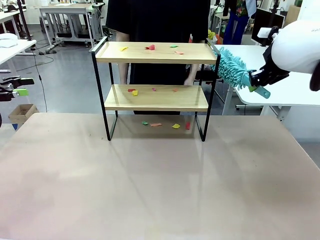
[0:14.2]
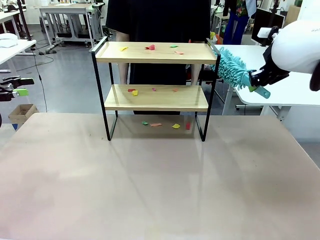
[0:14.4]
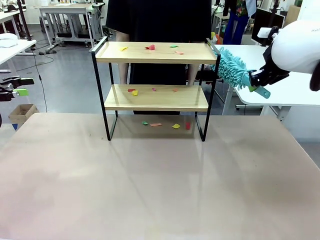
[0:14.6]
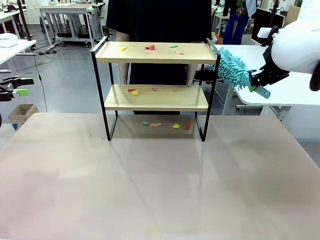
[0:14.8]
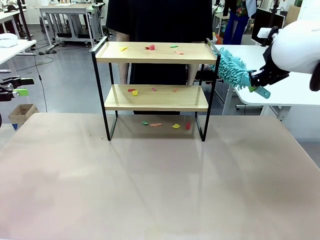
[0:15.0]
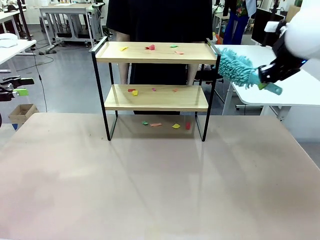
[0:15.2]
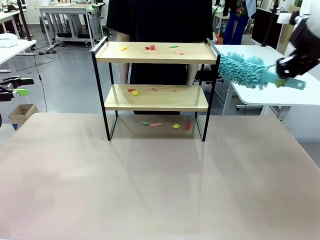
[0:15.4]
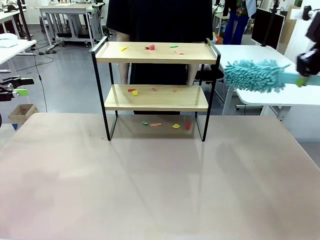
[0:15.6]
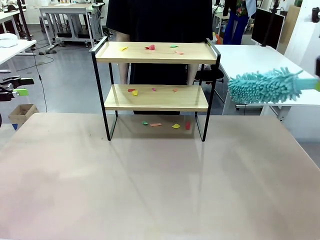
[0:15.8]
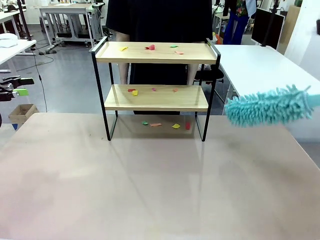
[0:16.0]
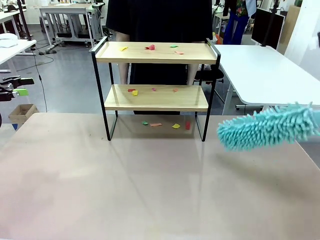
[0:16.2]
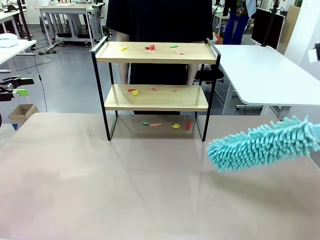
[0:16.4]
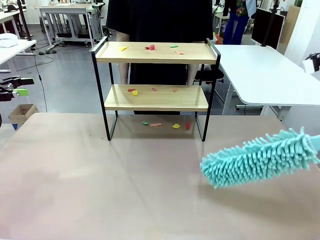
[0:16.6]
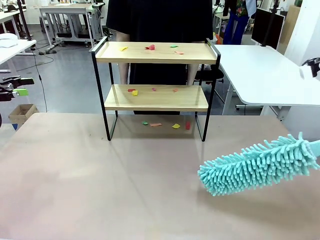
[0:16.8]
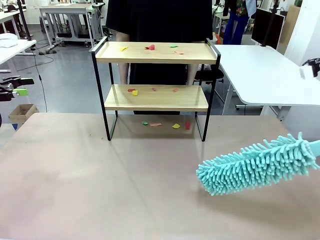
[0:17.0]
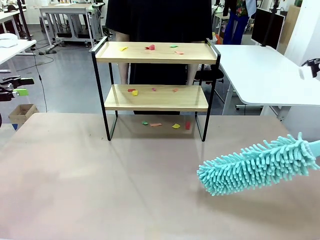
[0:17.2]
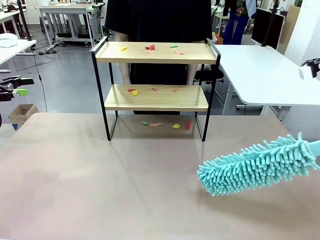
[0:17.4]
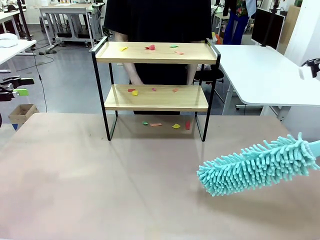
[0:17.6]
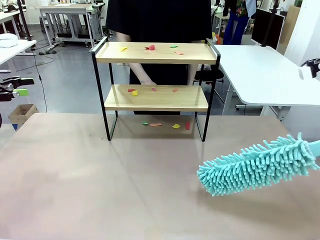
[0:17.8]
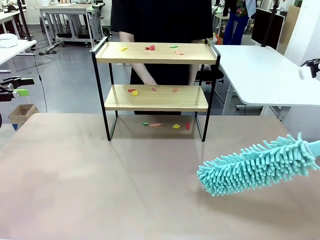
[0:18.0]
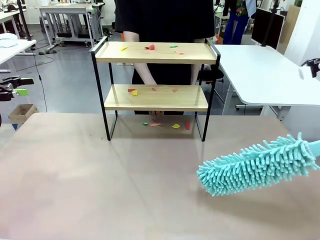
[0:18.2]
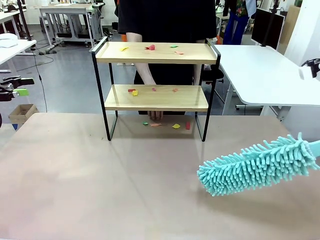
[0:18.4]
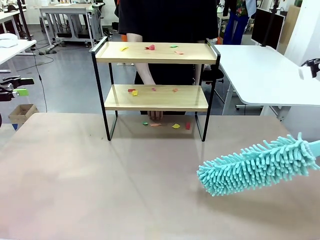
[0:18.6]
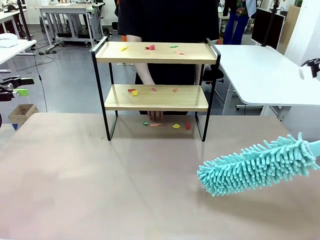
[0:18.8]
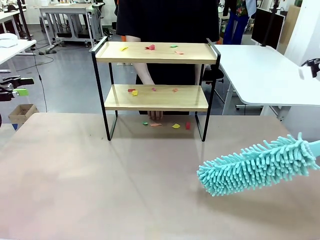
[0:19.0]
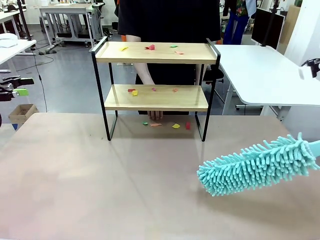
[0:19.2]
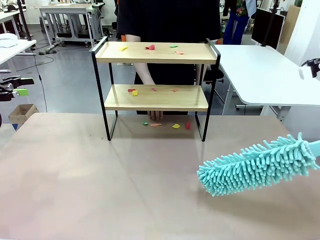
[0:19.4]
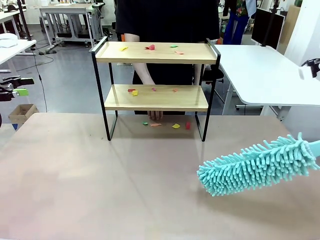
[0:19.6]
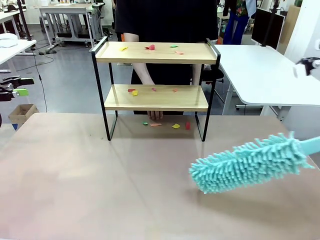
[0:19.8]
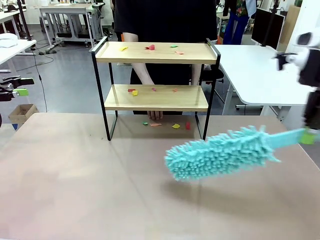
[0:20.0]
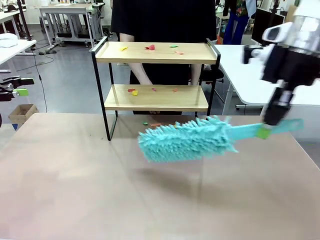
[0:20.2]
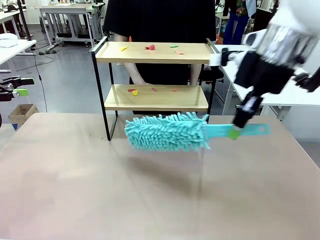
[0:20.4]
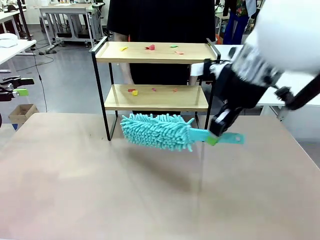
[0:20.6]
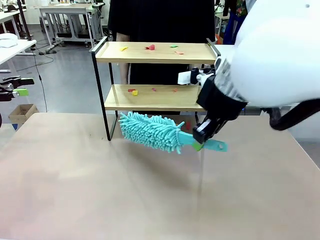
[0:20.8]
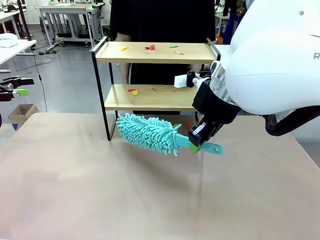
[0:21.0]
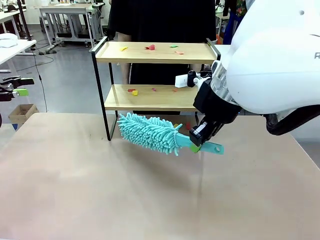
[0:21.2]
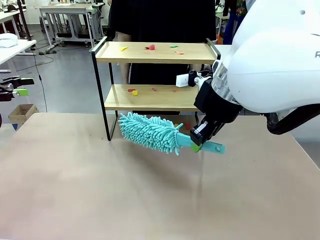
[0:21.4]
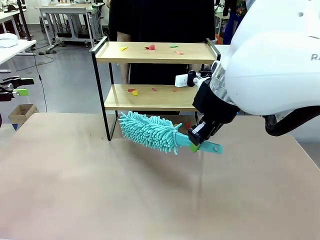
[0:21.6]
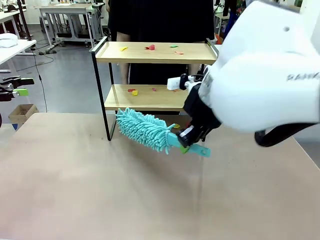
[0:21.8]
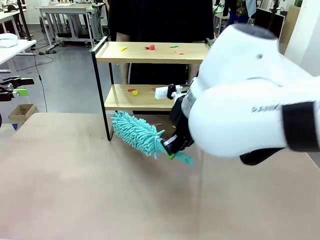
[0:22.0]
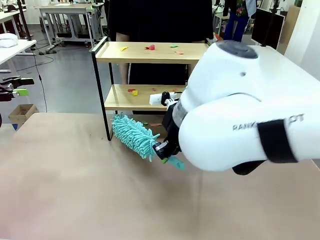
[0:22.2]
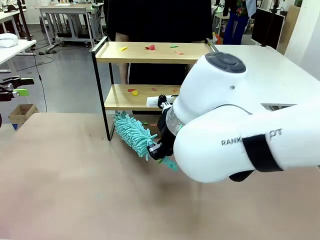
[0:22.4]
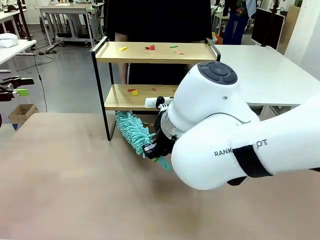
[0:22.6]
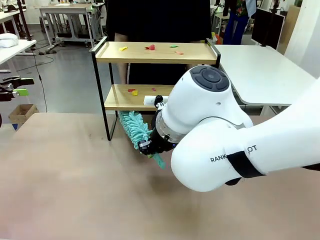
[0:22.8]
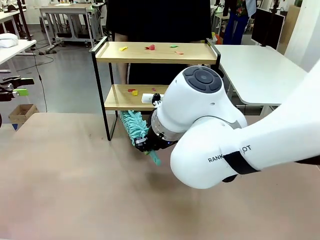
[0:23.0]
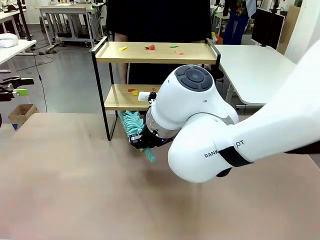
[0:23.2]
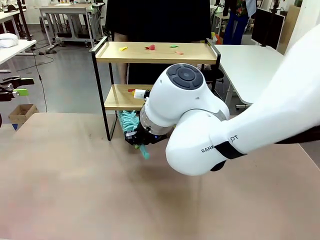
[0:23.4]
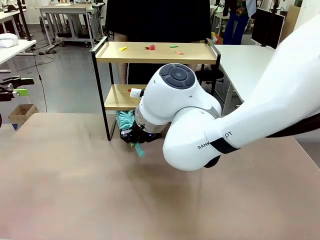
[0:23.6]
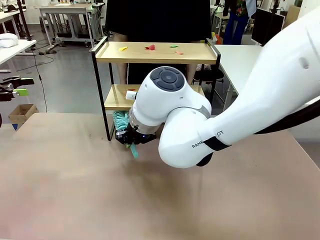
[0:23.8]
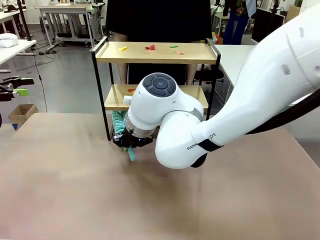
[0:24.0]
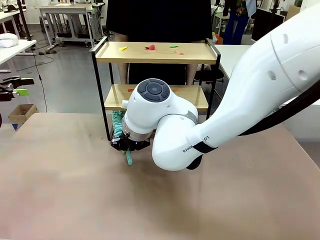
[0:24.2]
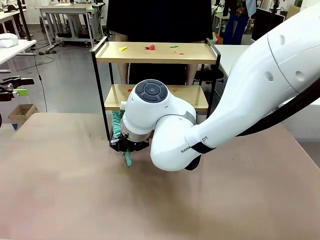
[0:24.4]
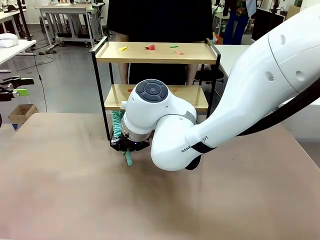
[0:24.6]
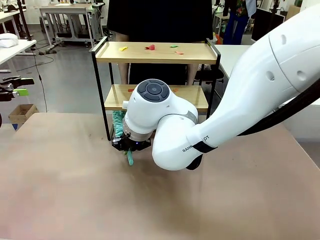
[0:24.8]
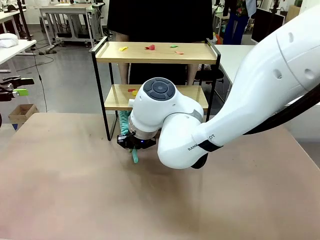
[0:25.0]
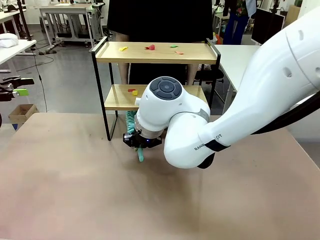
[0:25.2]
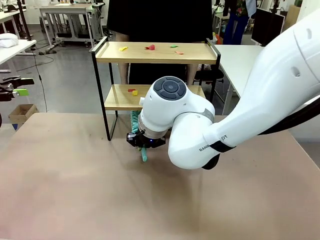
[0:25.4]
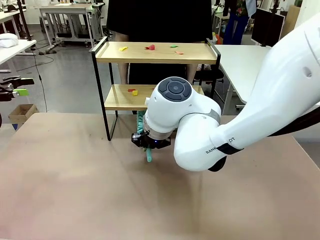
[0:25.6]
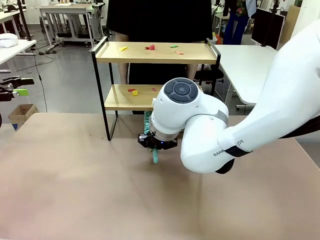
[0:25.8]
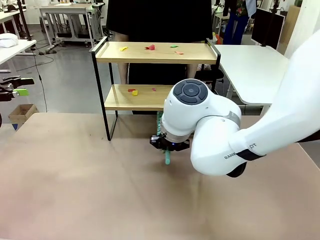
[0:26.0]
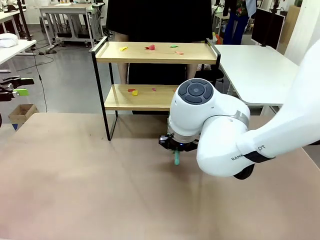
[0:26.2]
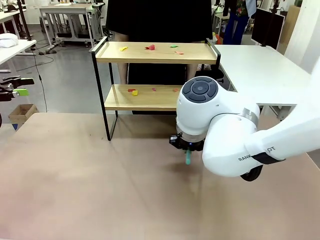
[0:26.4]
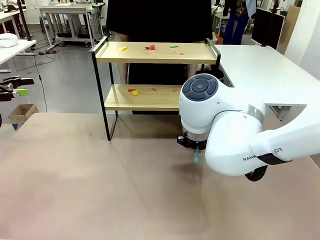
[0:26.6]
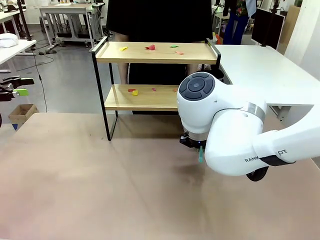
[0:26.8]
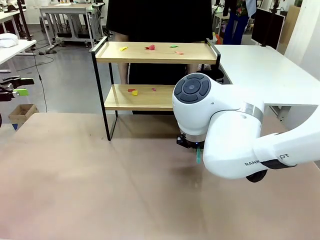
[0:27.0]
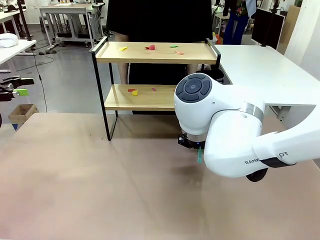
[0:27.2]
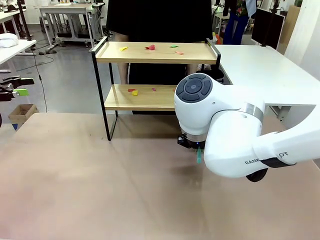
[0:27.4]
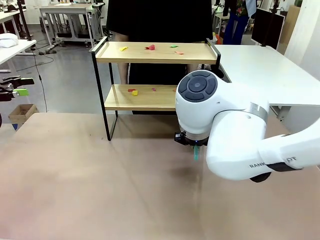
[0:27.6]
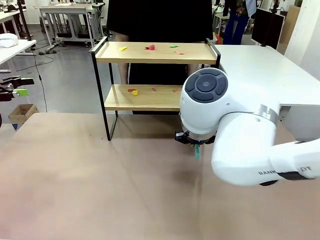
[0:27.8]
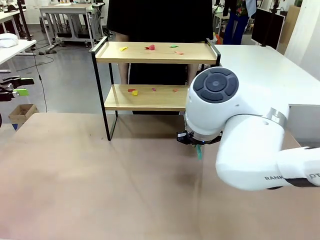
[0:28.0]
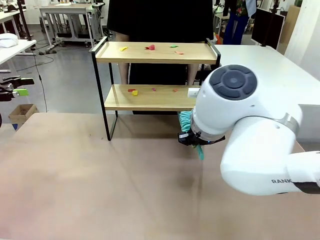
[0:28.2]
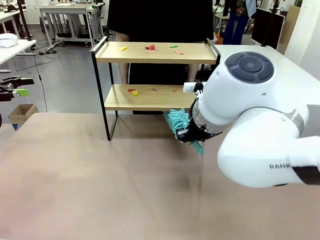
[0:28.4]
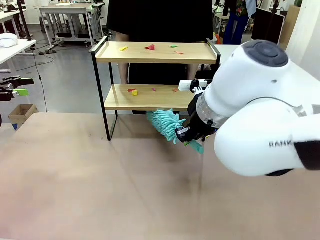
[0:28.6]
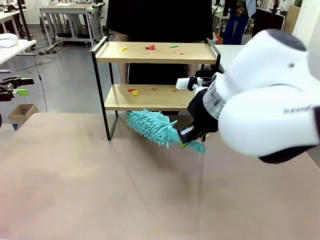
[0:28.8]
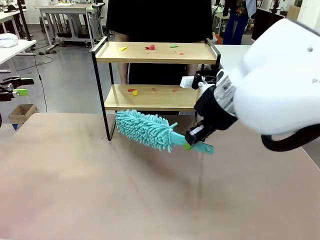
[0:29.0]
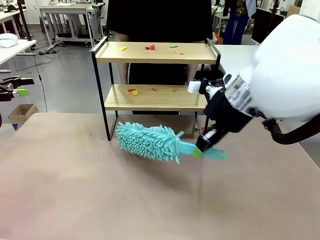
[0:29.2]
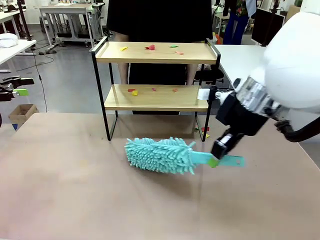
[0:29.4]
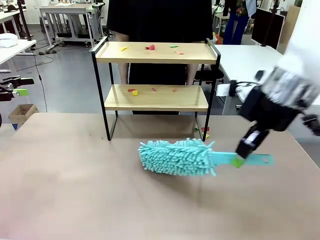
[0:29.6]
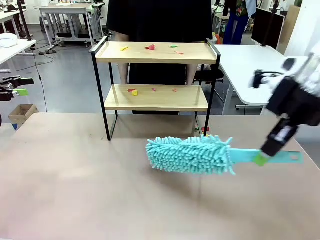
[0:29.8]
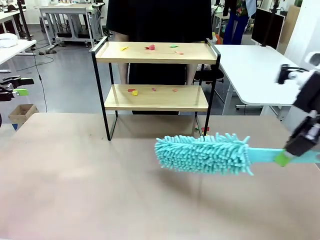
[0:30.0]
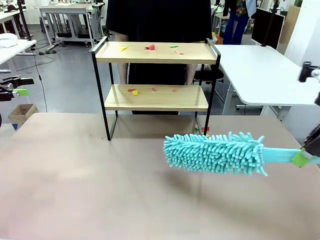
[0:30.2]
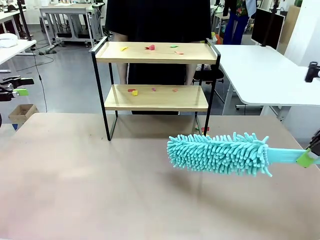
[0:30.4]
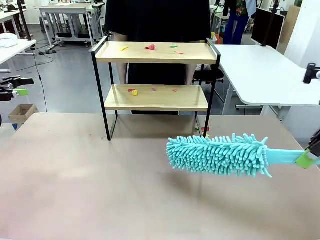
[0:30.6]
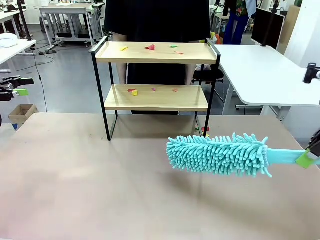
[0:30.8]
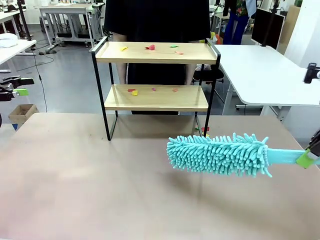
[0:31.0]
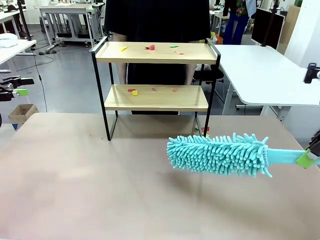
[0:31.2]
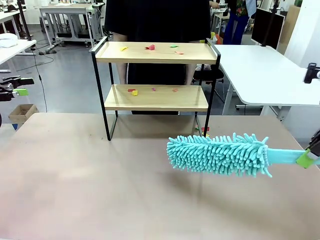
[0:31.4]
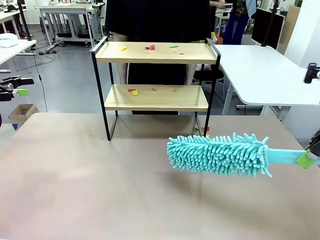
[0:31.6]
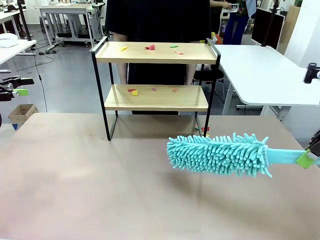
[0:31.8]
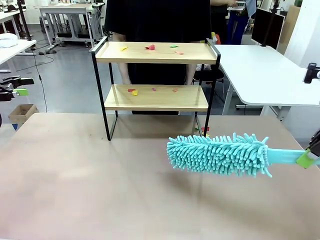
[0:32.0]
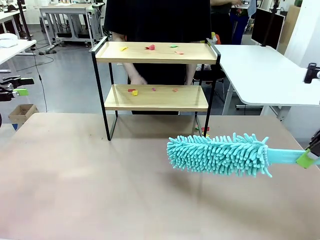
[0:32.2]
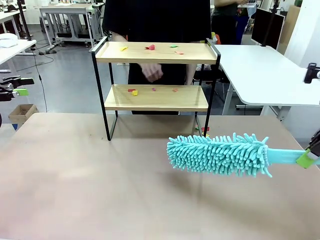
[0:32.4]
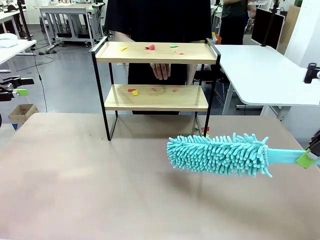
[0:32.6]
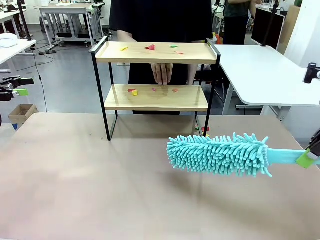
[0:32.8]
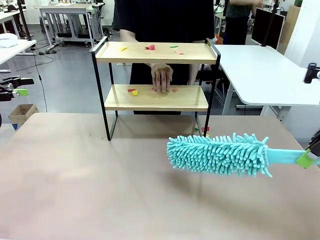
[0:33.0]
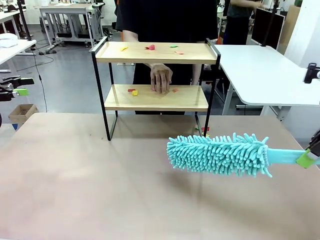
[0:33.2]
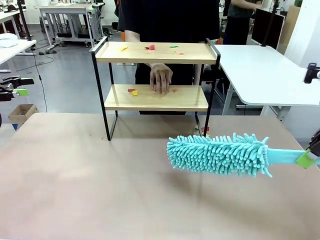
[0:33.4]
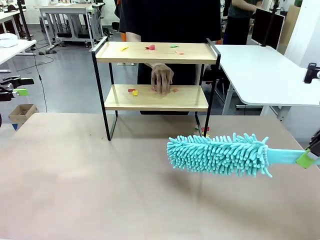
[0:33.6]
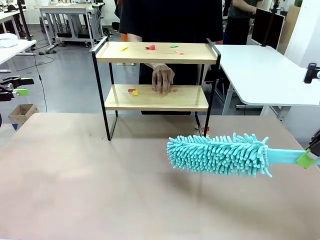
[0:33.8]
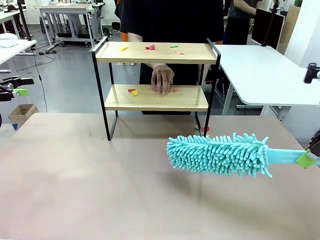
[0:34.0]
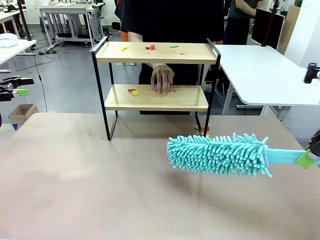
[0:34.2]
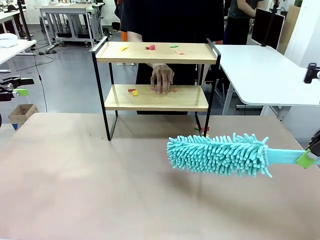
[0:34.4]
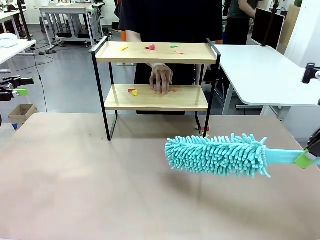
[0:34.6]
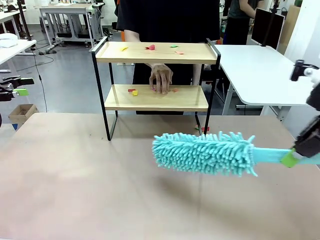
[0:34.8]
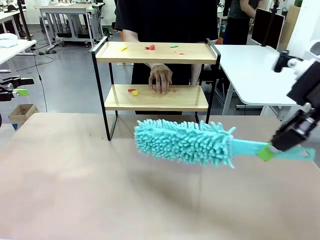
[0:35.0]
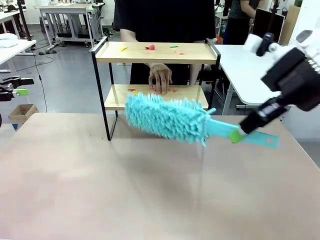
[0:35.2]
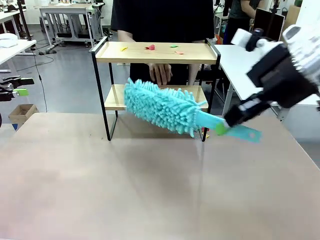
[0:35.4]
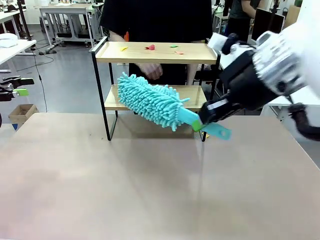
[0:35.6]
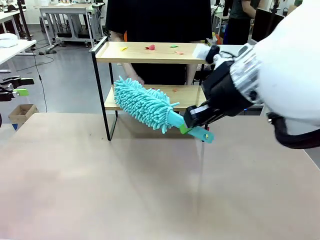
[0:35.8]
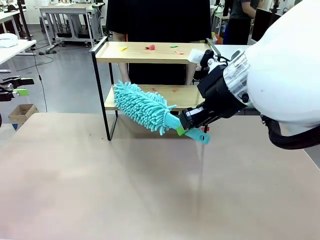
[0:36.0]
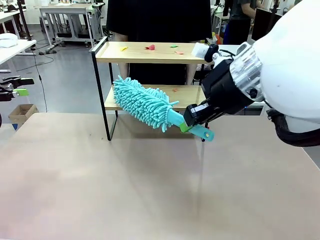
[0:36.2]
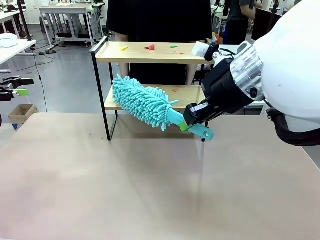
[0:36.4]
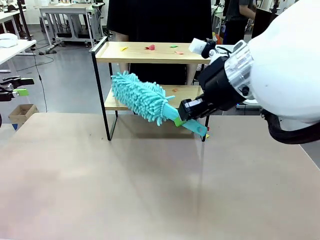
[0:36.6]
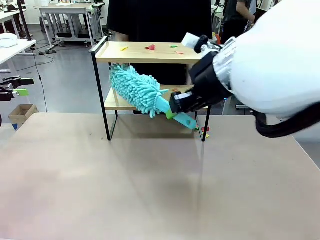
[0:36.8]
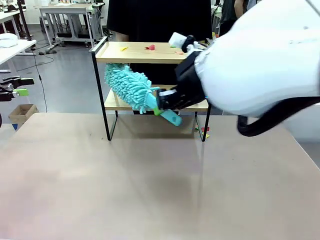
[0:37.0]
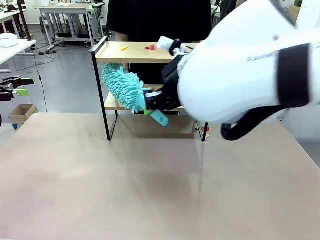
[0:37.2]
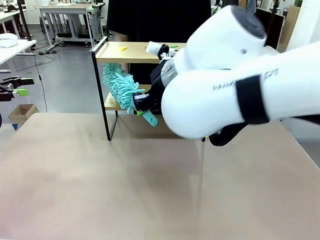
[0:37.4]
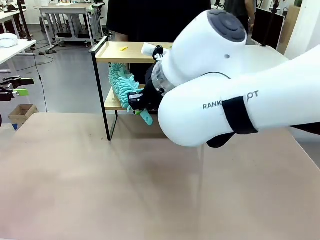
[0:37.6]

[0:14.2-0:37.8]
Task: Clean the shelf.
Robot: Clean the specific section of the Shelf indicated by the human with the Duster.
Person: Point a random section of the Shelf.
